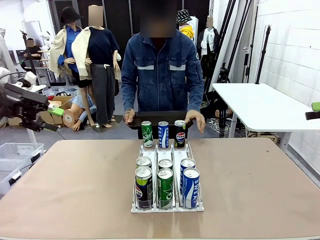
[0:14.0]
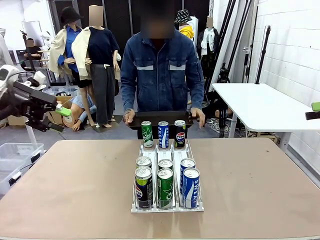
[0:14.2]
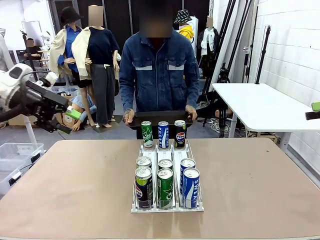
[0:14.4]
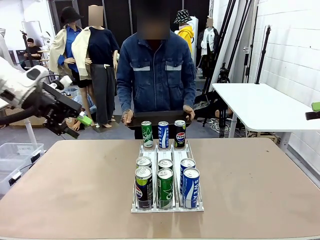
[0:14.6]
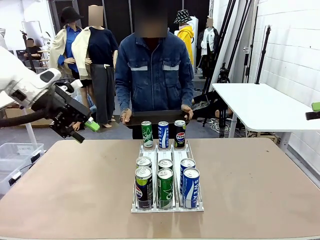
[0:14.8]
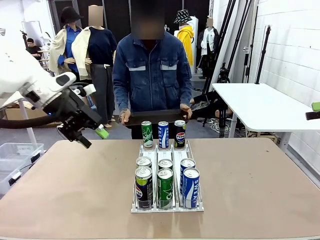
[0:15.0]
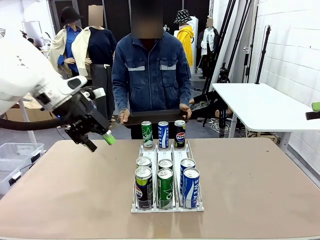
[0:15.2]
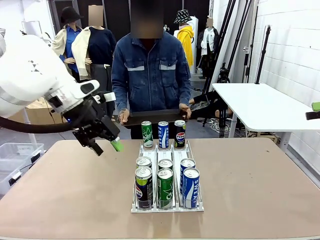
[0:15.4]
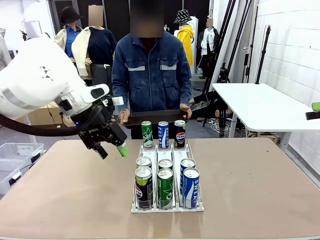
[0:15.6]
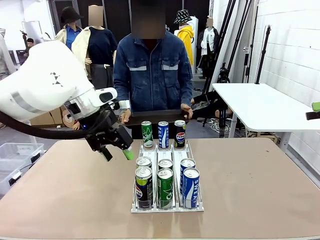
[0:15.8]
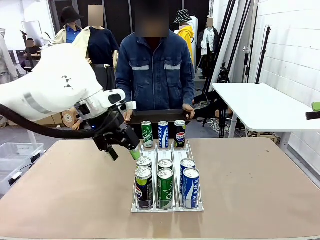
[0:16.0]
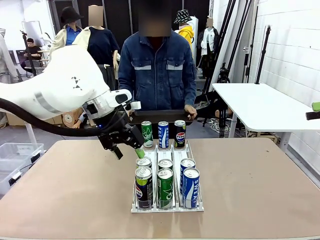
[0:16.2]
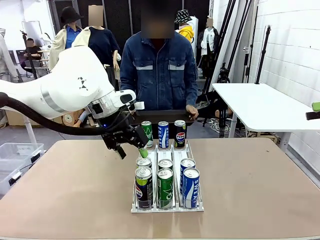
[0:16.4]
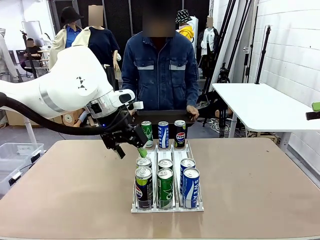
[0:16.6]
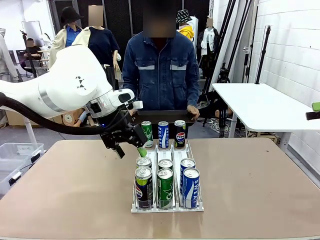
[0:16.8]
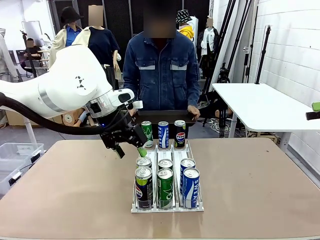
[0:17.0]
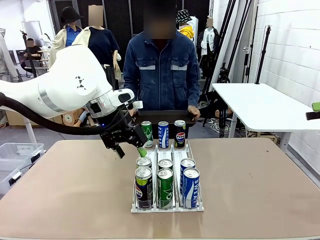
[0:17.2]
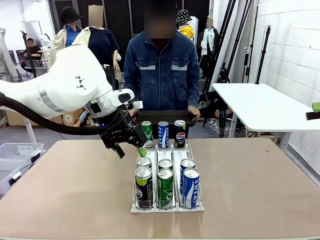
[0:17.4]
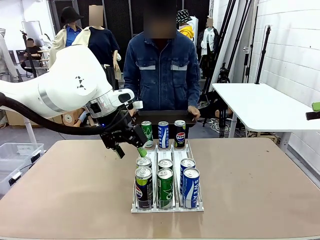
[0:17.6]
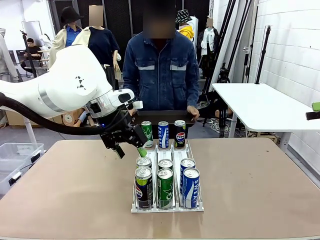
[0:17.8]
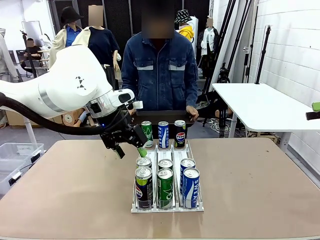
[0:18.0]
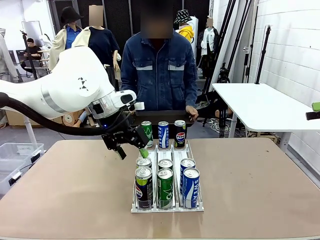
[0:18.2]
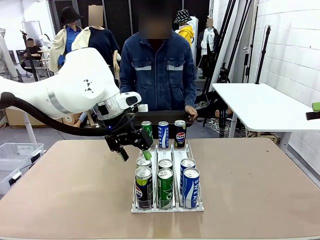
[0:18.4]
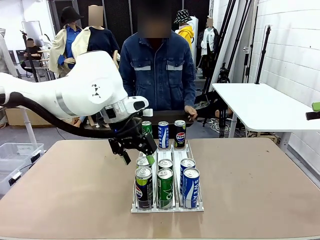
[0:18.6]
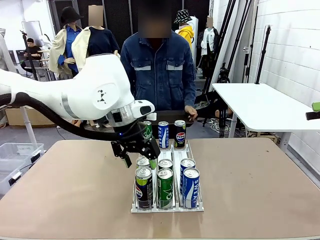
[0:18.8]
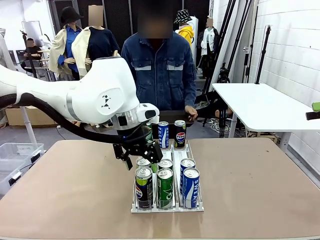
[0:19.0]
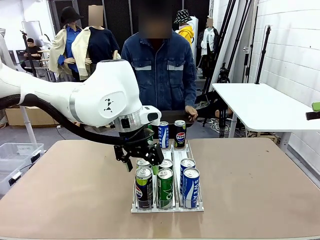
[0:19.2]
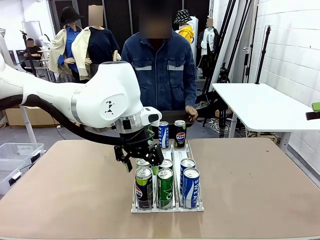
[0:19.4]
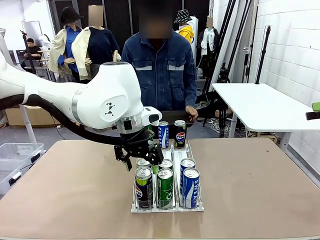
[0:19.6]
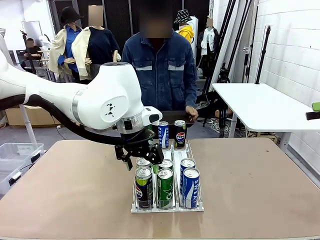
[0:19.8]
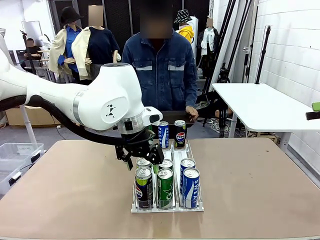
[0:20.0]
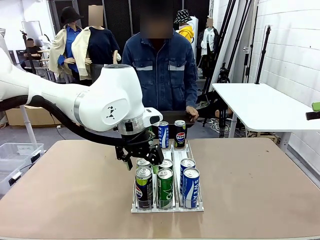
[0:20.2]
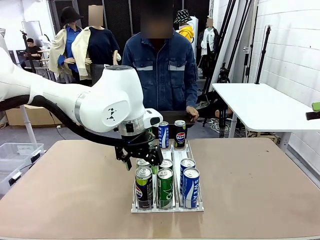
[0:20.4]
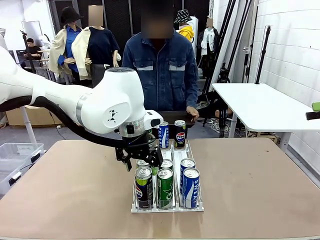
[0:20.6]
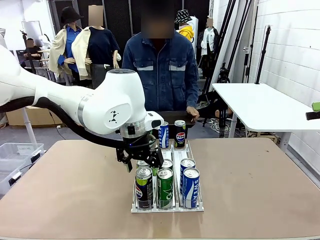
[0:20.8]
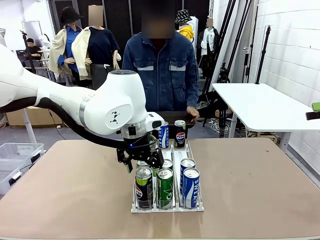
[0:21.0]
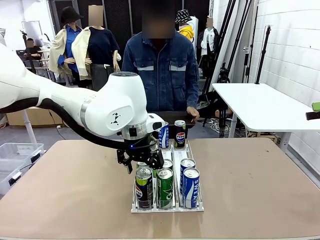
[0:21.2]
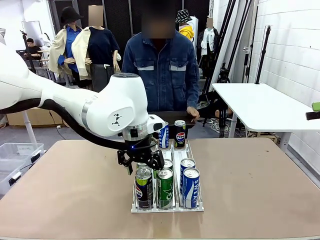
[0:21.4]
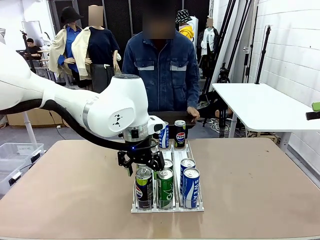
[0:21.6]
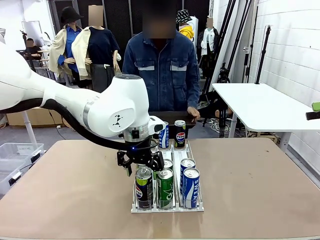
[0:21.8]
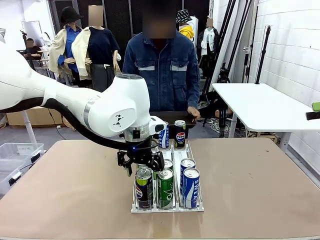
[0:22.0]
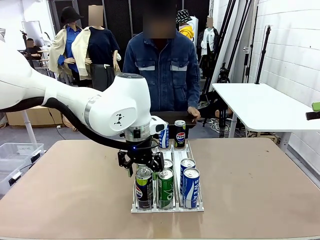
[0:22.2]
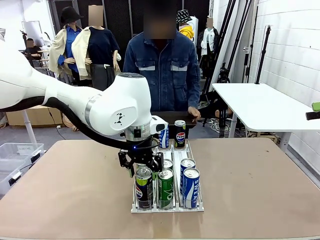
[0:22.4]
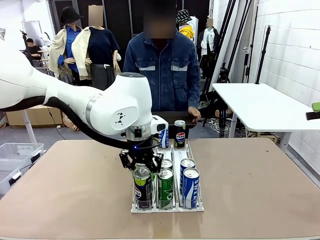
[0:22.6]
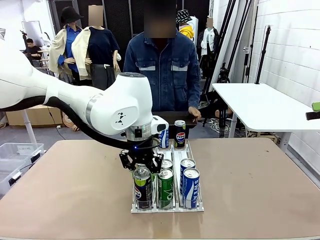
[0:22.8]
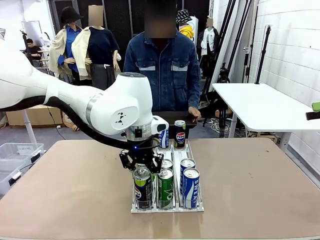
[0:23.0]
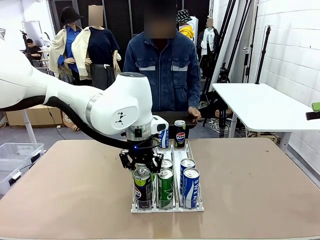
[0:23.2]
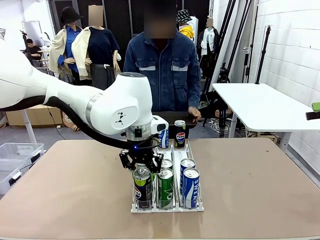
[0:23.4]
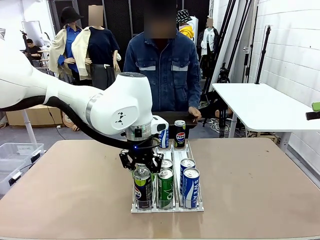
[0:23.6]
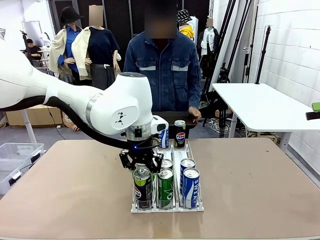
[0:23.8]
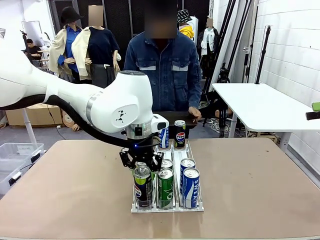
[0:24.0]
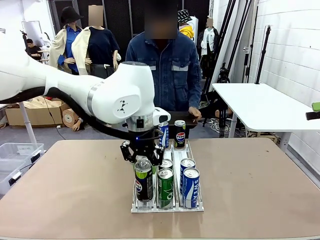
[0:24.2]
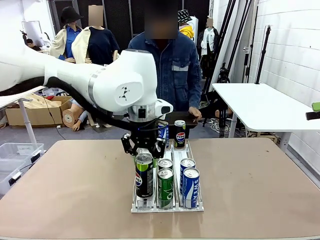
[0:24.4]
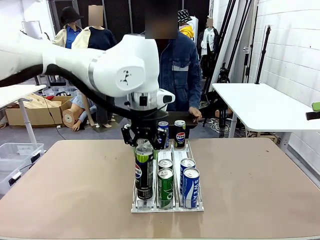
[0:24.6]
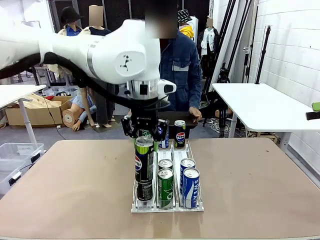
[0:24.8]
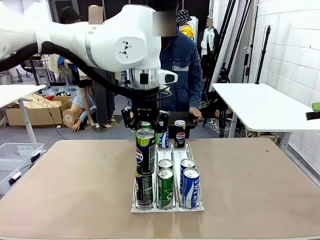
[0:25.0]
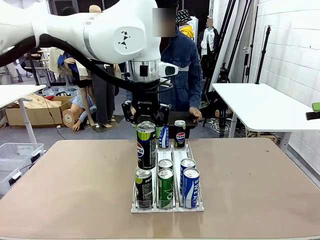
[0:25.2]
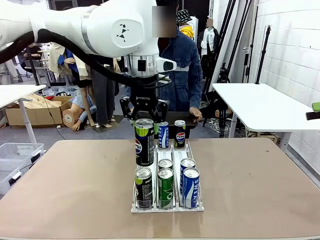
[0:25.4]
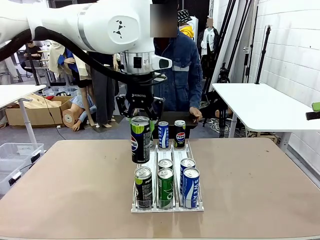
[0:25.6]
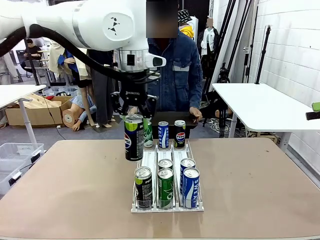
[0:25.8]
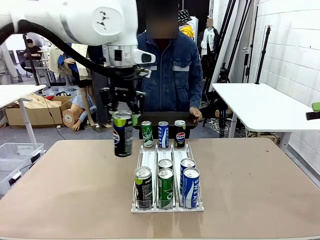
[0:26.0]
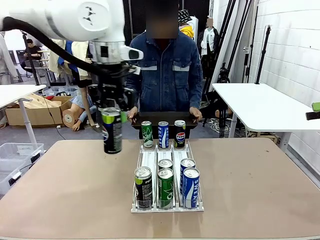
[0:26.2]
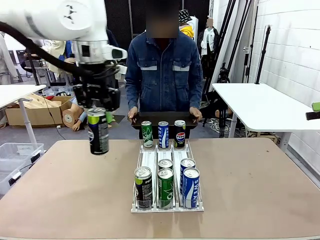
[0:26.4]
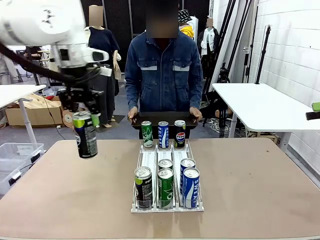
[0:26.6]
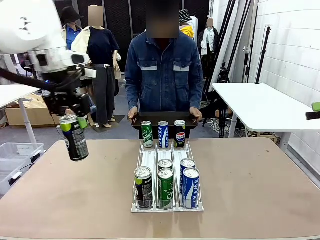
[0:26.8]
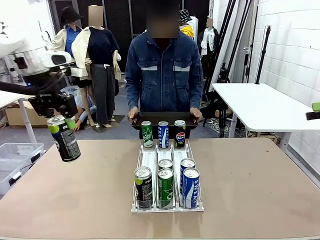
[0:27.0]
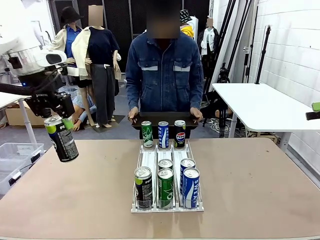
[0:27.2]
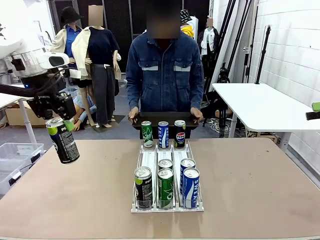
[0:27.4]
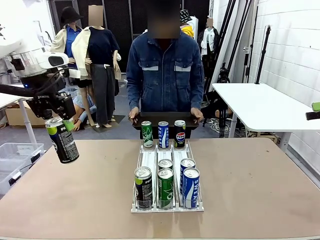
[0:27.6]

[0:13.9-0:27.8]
Task: Retrieve and hand over the desired beverage to the person.
Robot: Pick up a can of the same type that the person held from the Automatic Can Dispenser.
Person: Push the tray toward the robot.

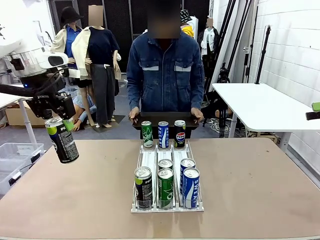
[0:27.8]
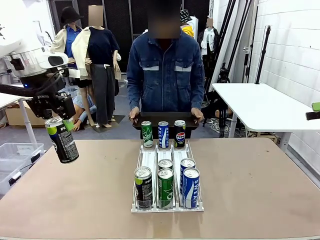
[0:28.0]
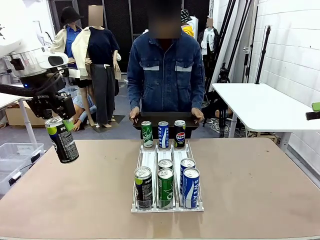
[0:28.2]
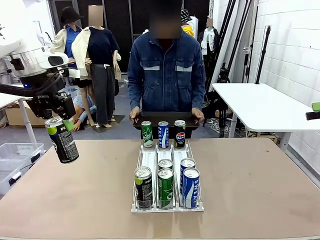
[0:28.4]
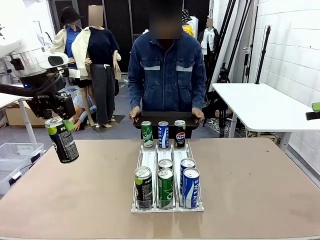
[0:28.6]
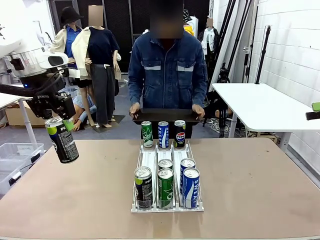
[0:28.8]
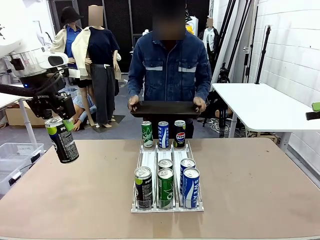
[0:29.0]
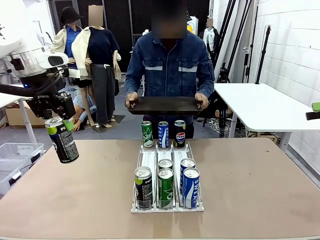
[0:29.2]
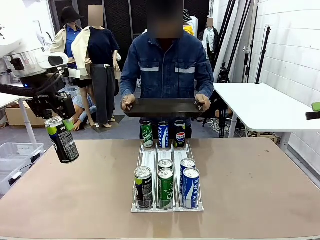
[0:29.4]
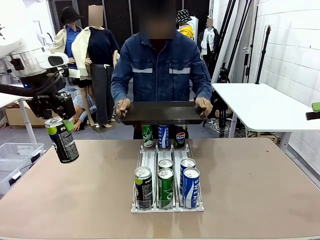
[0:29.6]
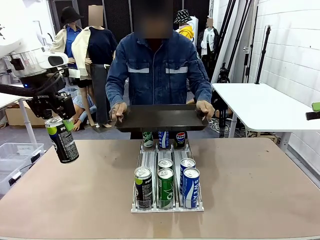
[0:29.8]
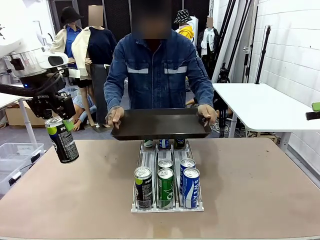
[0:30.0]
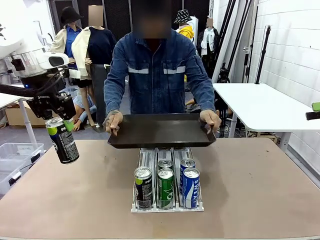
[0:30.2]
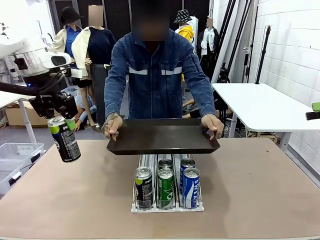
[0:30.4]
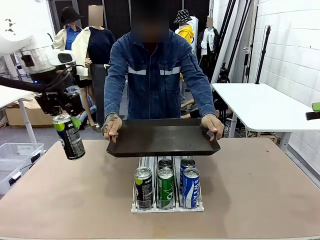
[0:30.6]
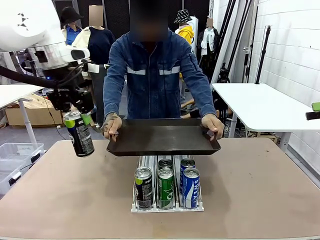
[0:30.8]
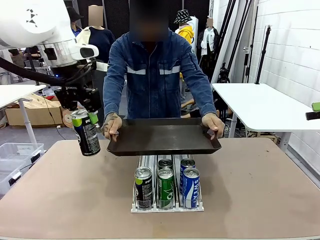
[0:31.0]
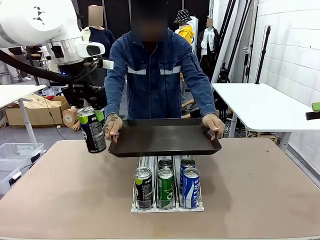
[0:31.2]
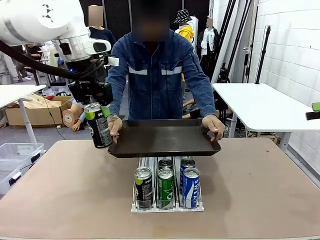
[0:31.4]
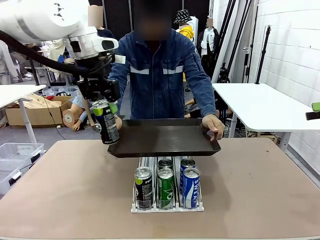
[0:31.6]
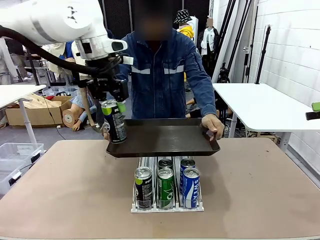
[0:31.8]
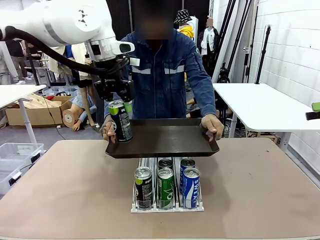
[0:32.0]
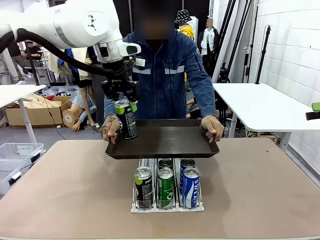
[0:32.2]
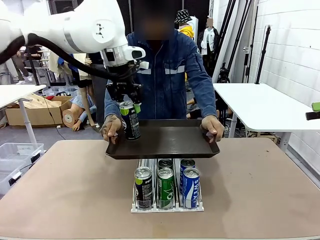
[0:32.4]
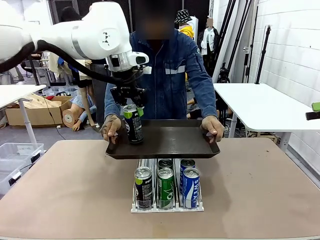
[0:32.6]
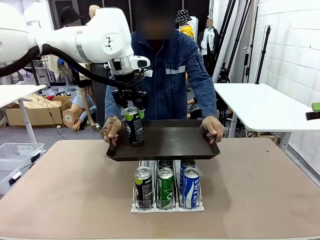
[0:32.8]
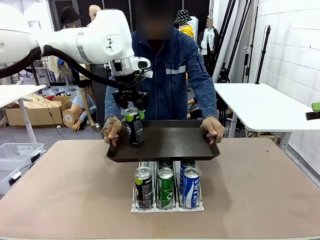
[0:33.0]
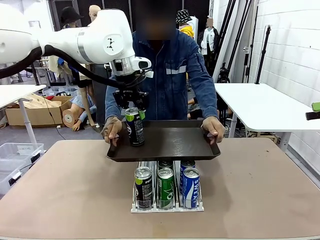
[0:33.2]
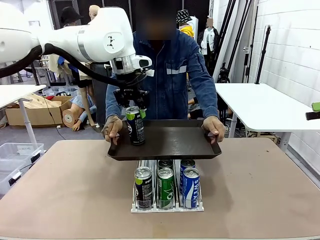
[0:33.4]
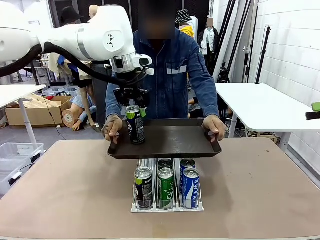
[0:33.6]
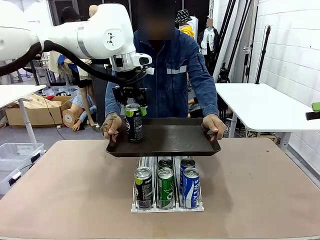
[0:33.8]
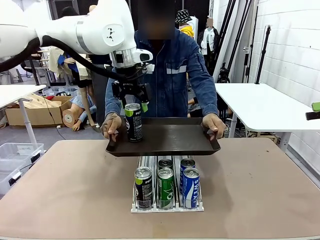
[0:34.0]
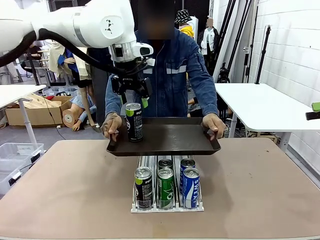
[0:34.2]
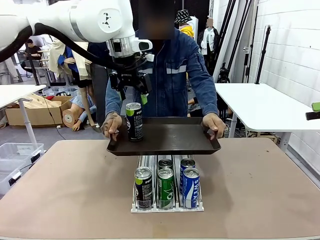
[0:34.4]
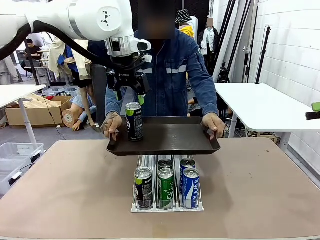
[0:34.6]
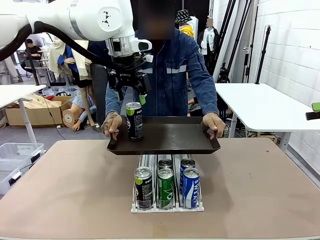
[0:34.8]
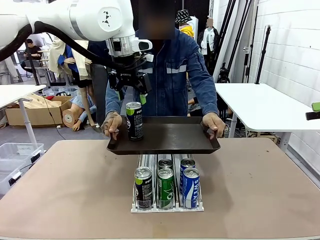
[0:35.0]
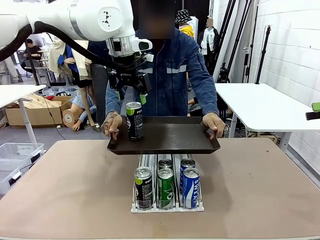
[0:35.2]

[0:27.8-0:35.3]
Robot: Place the picked can on the Handle tray extended by the person.
